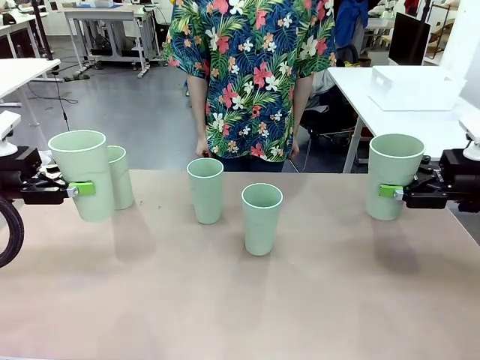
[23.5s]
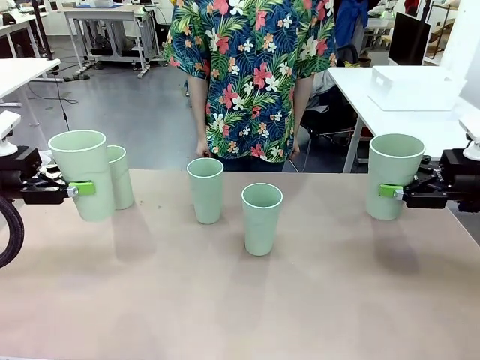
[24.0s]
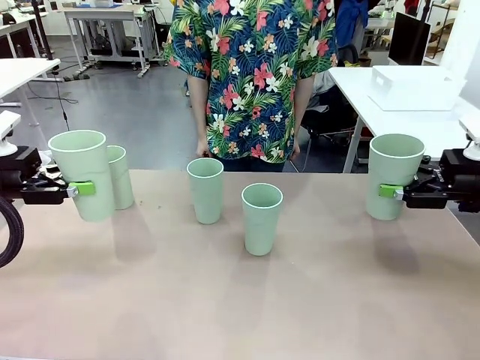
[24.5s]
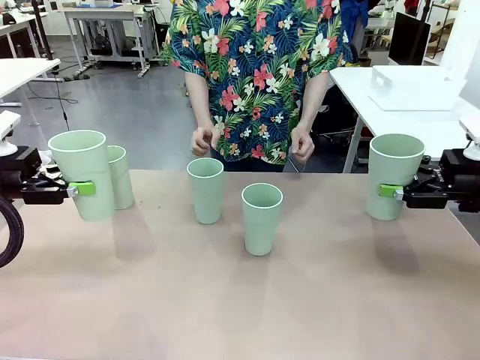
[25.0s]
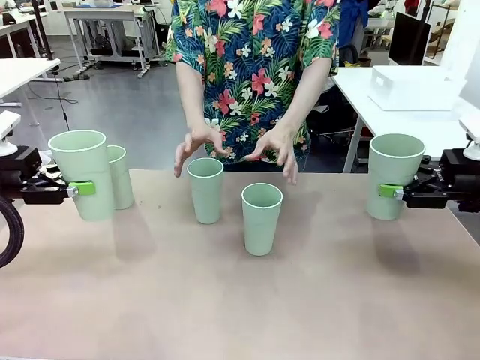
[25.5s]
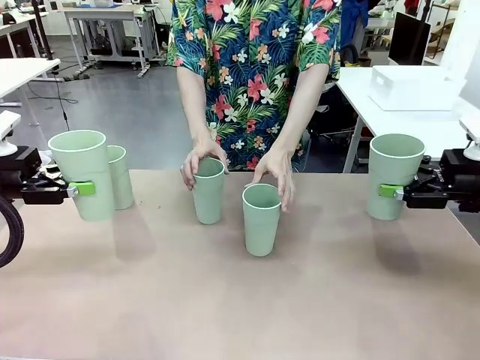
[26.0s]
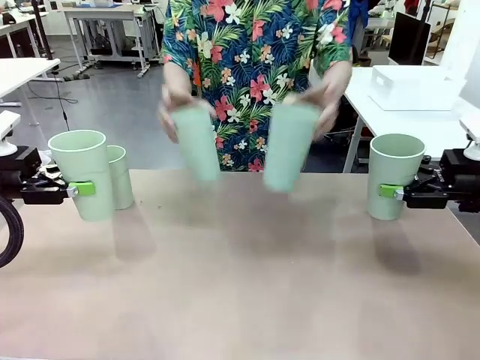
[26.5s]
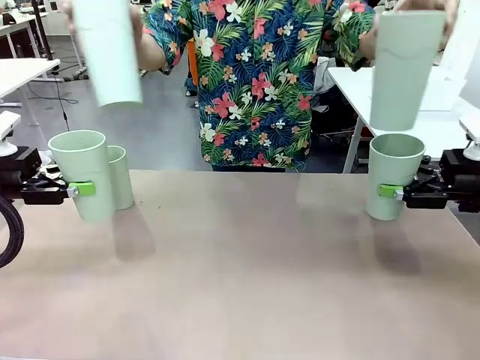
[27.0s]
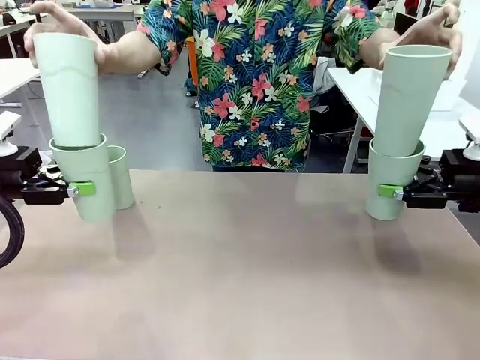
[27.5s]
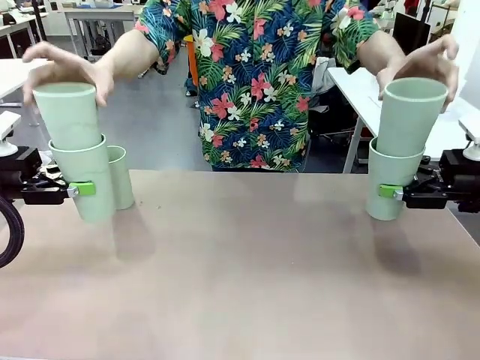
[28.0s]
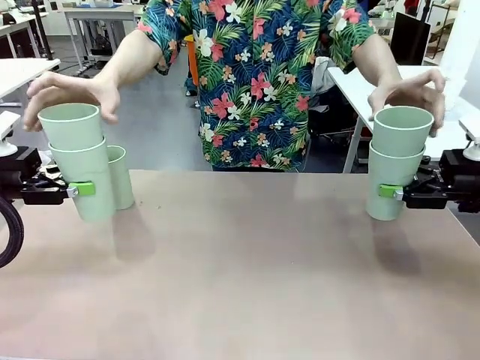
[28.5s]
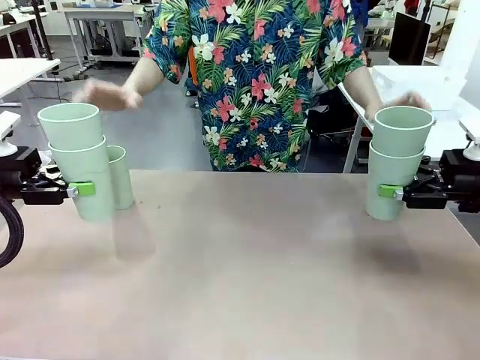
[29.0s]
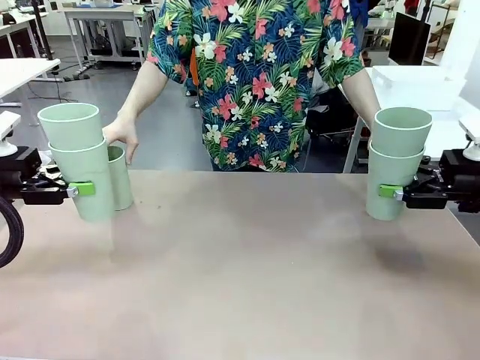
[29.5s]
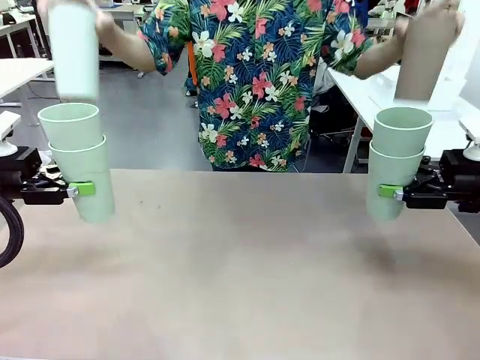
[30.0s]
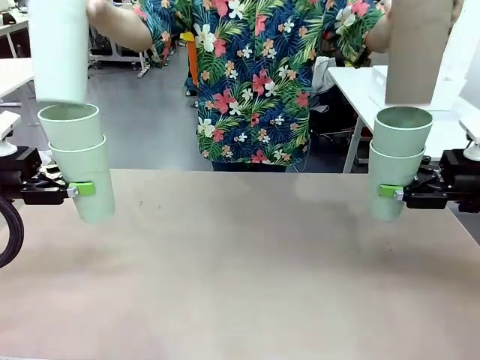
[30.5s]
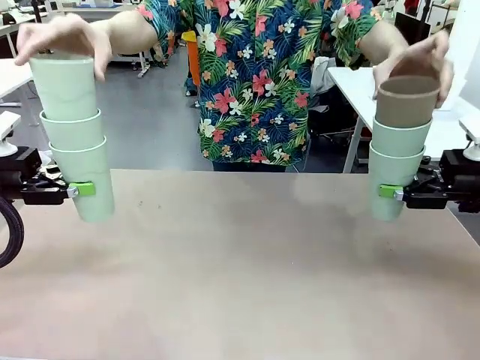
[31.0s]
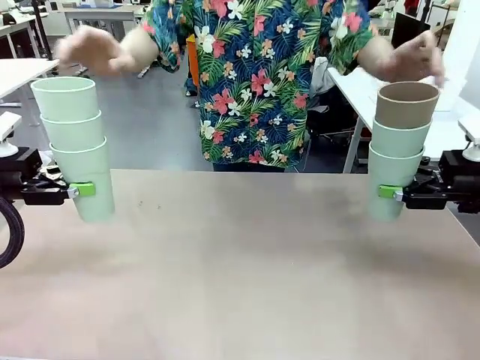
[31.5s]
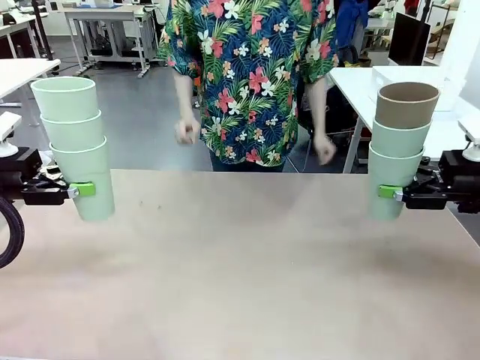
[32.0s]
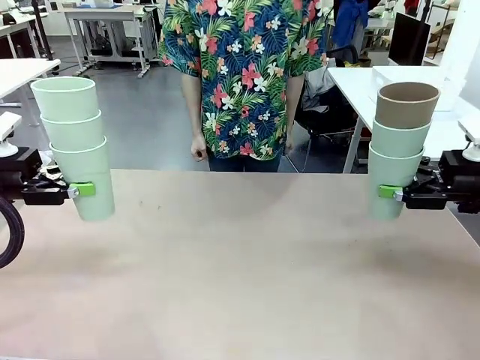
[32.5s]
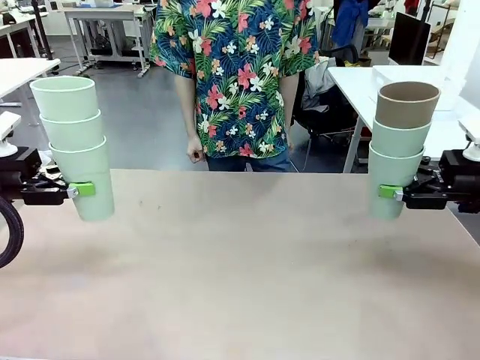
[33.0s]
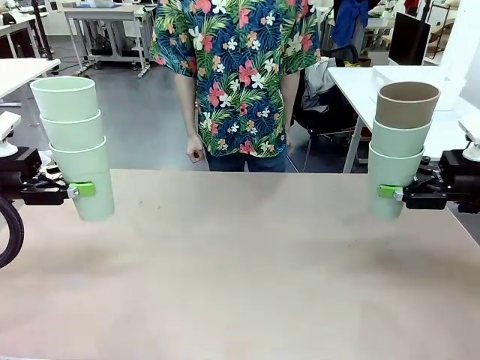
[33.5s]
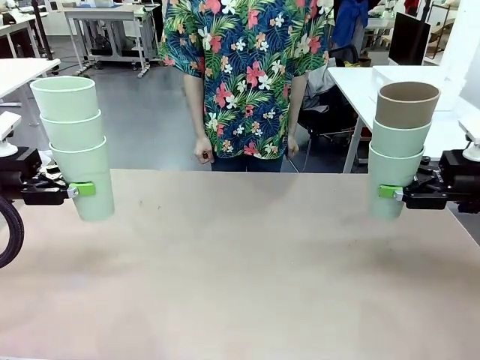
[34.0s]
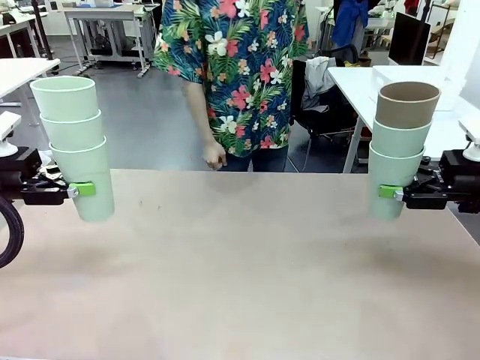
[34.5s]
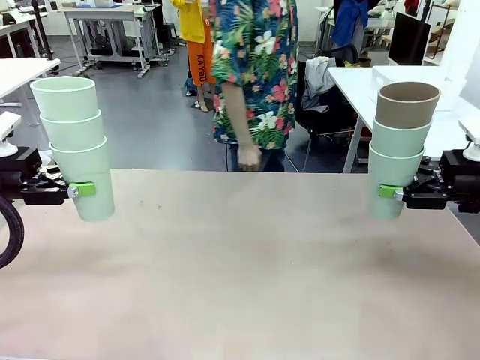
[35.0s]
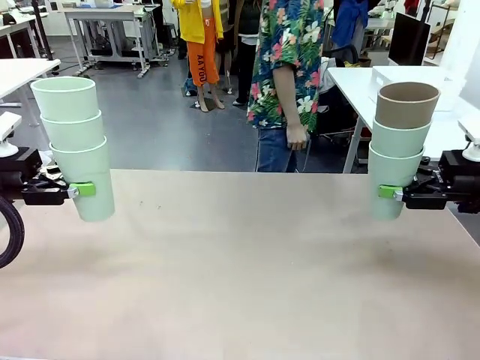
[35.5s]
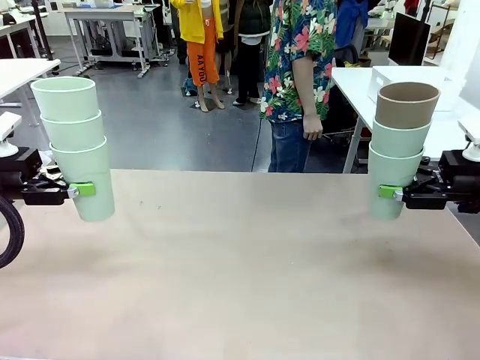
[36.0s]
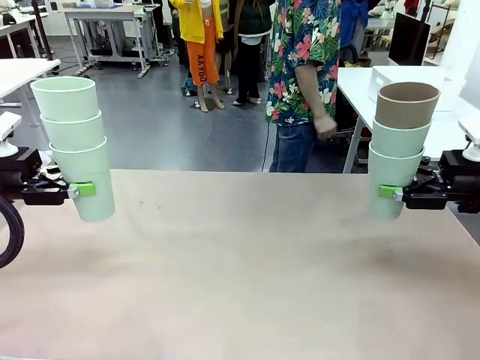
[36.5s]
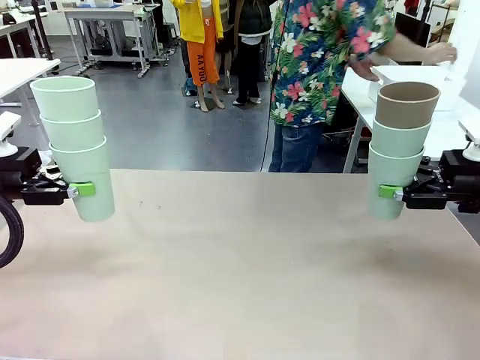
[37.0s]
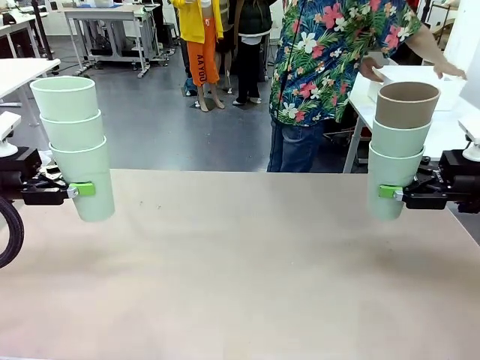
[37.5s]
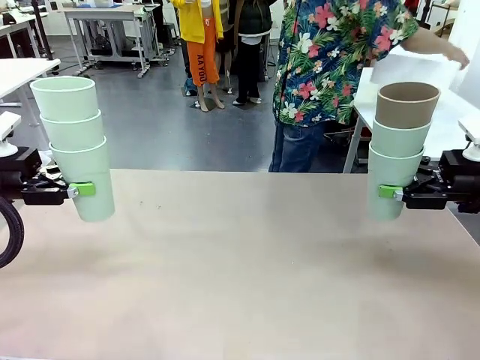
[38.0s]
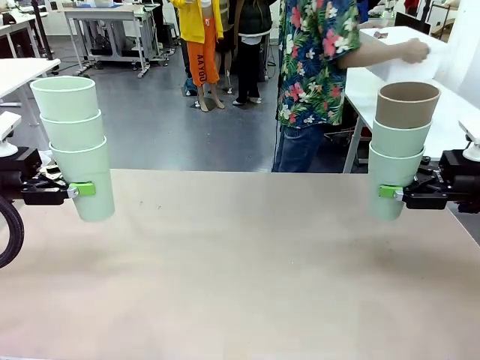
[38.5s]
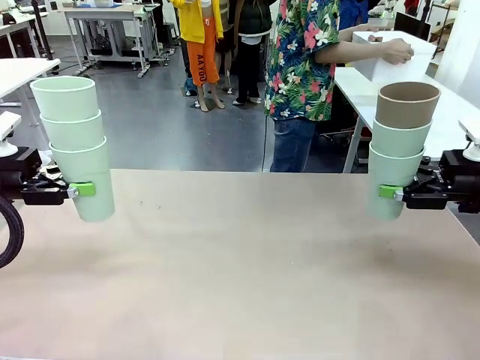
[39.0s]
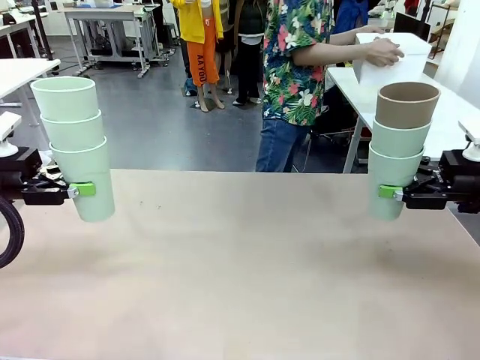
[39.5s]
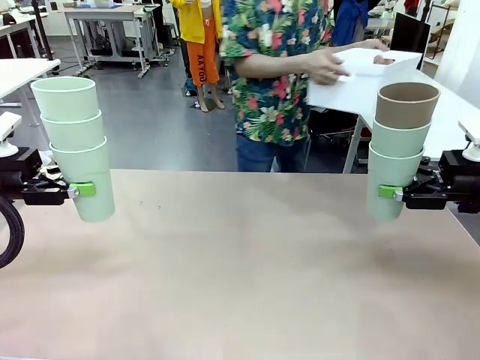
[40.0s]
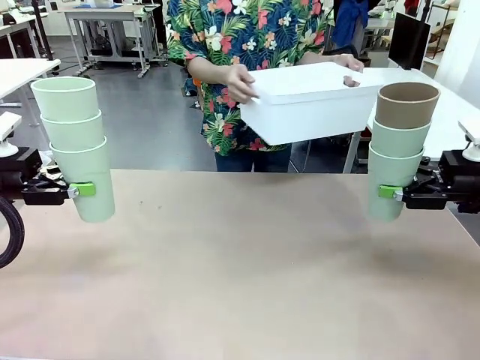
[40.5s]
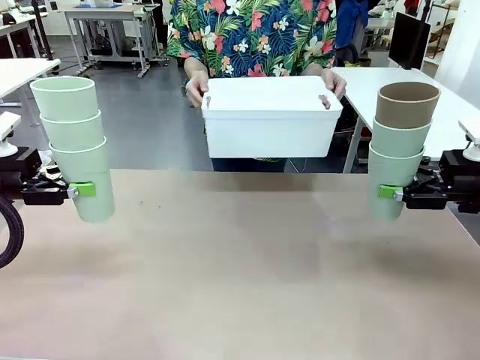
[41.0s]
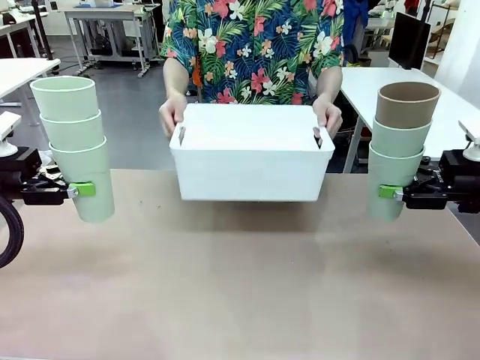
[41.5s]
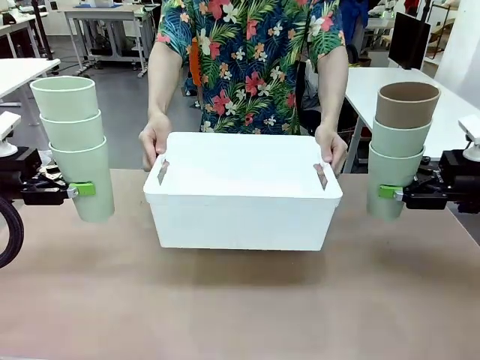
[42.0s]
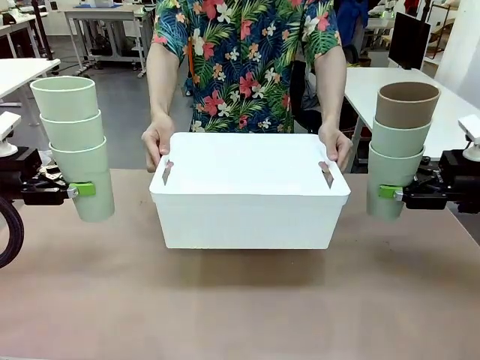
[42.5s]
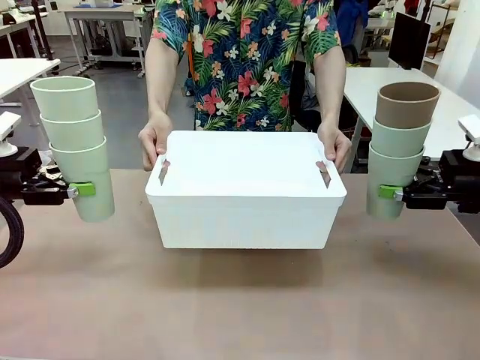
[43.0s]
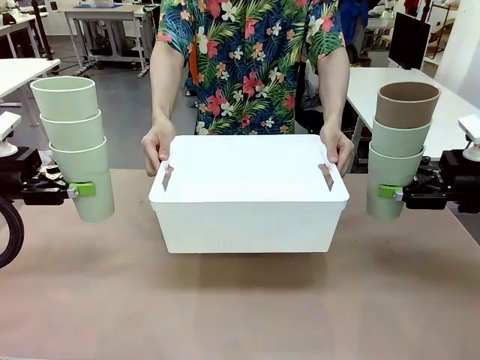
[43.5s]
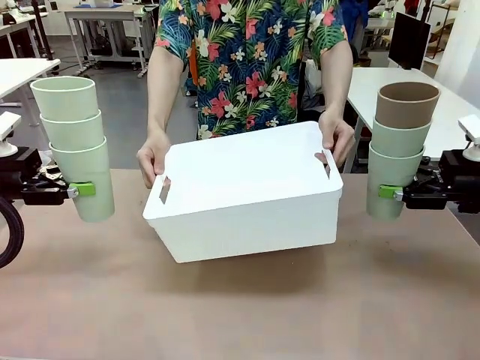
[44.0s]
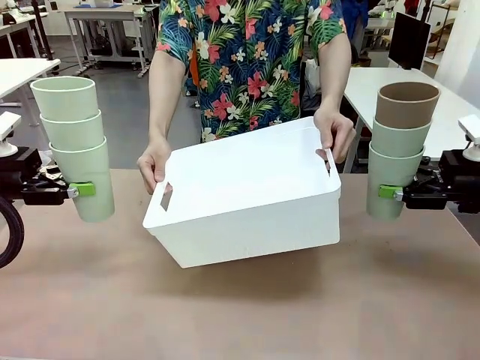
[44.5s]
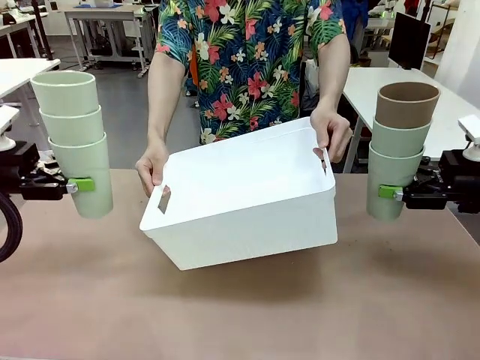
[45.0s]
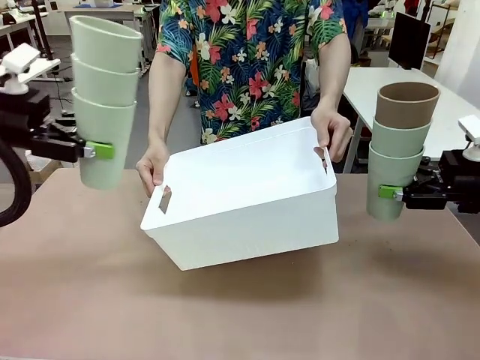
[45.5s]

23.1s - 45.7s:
Task: Stack the cups and store them in the basket.
Robot: Place the stack of Reusable plastic cups into the Pantry Basket.
Person: Pick up the basket from the Human Table, bring it to the front of the robot, and present it.

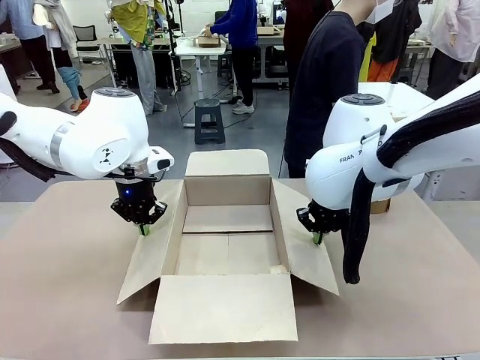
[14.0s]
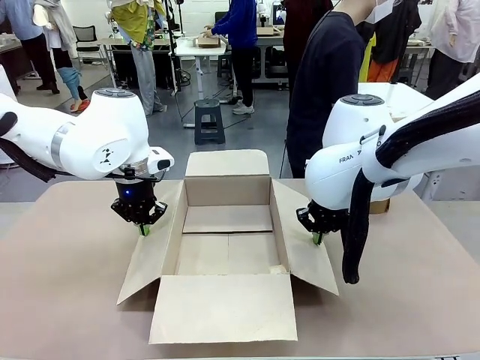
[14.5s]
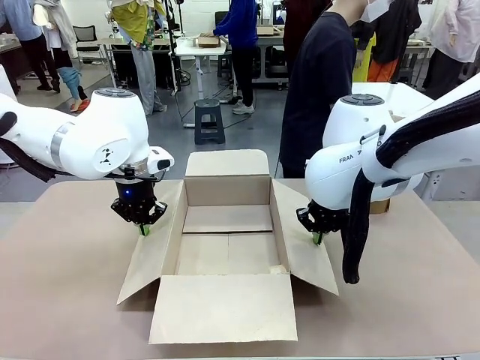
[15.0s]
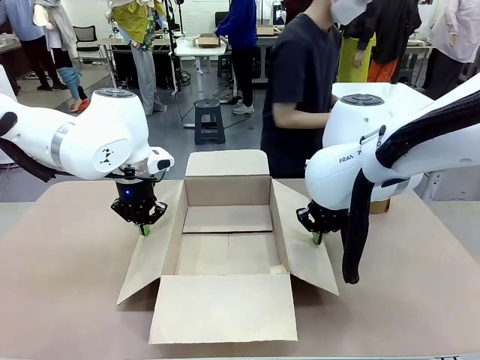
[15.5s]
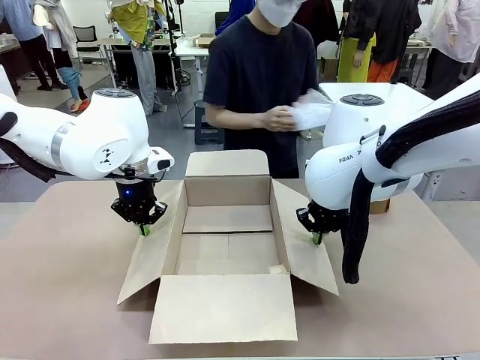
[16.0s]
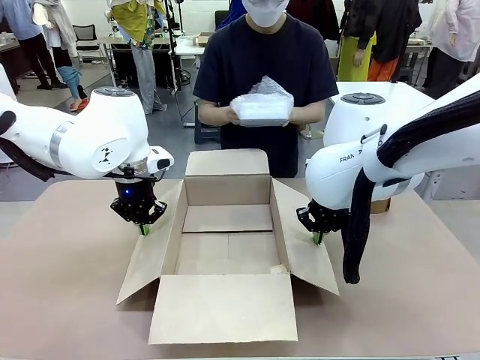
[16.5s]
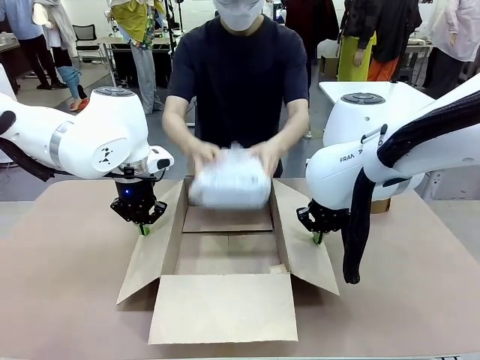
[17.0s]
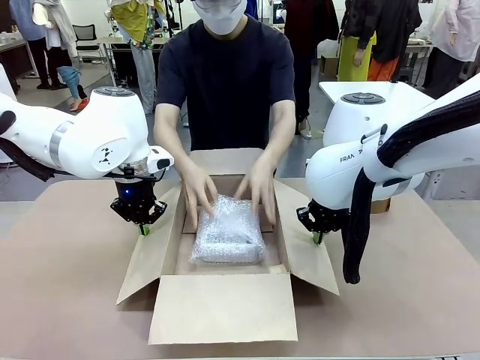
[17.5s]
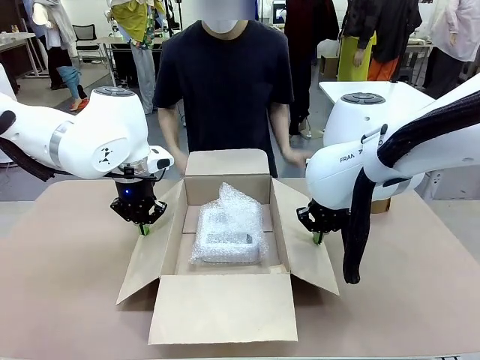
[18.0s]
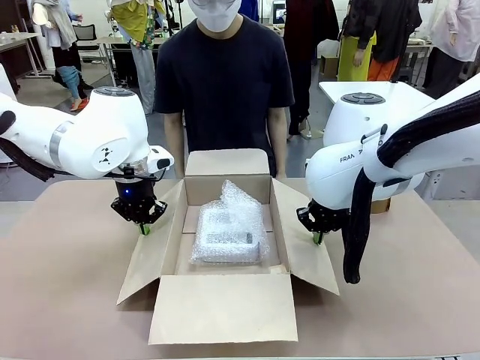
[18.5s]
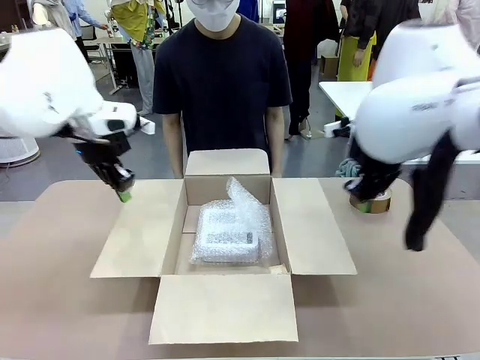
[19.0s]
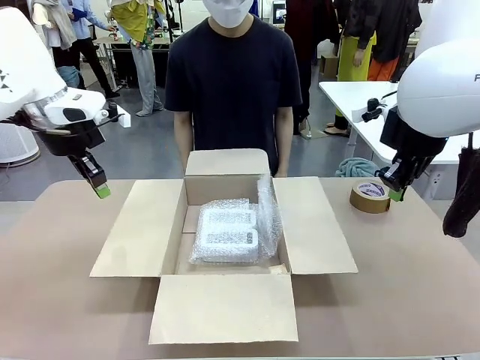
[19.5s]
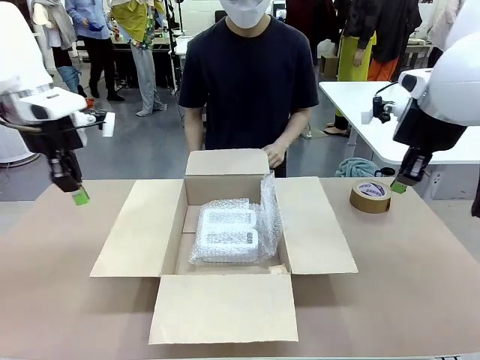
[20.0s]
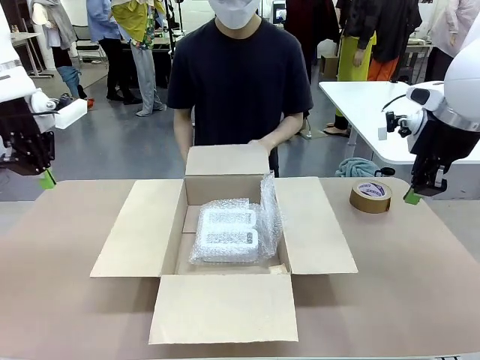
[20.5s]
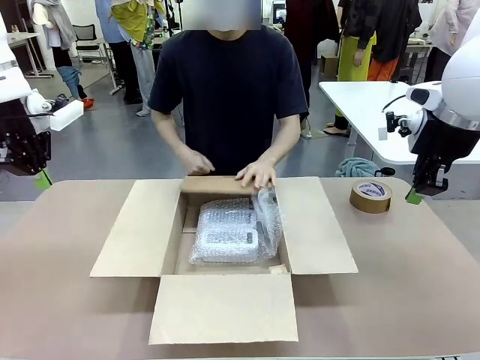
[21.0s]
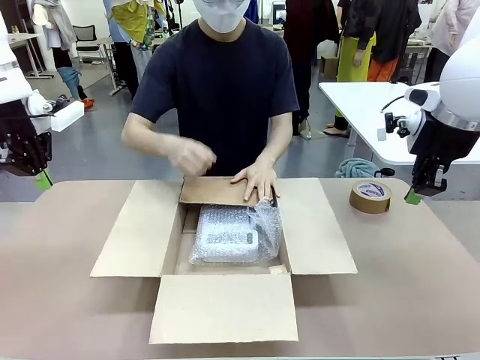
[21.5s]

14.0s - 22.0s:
Task: Wrap the clocks to prevent damage.
Robot: Once the human has placed the objects inside and stepped back, release both hands from the side flaps of the Package Box.
Person: Place the wrapped Digital clocks inside the Package Box. Hold the top and bottom flaps of the Package Box closed with your left (or right) hand.
